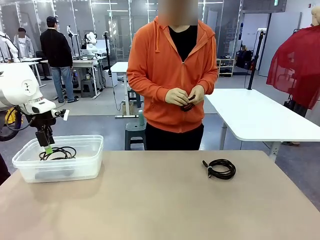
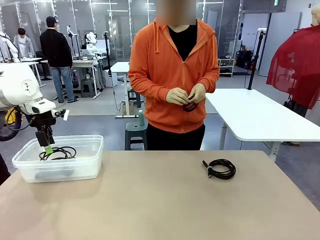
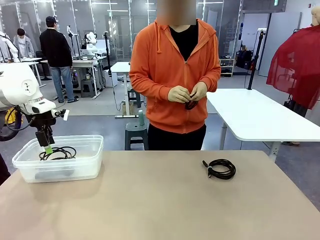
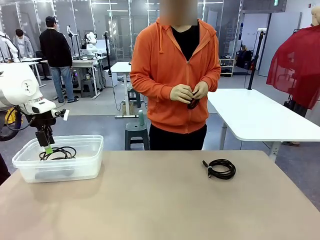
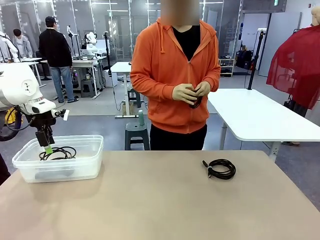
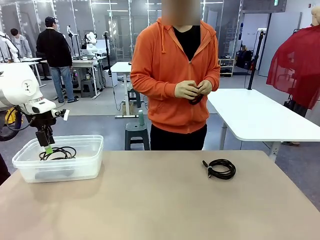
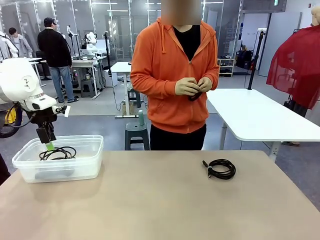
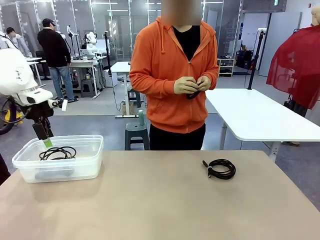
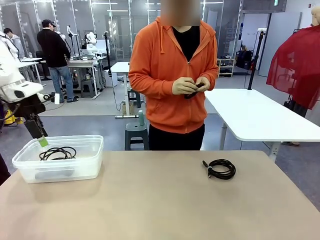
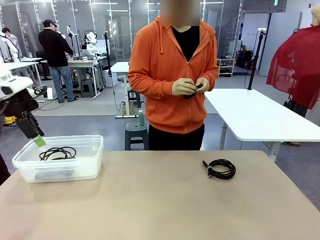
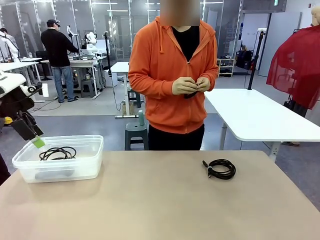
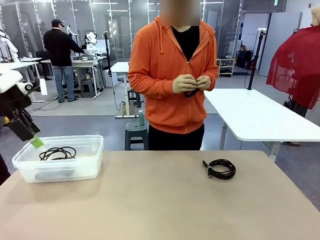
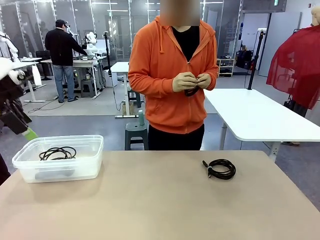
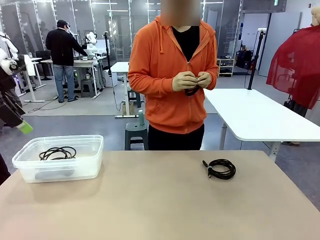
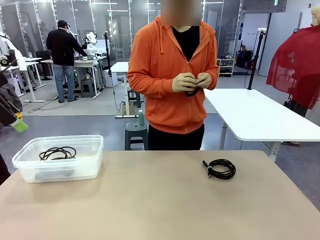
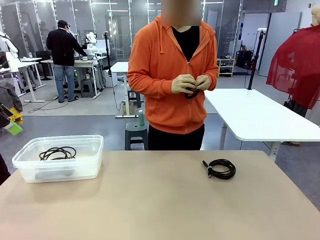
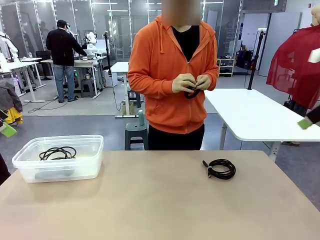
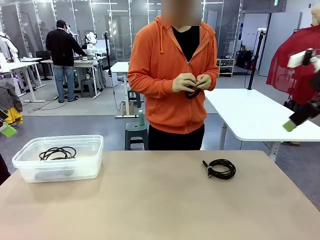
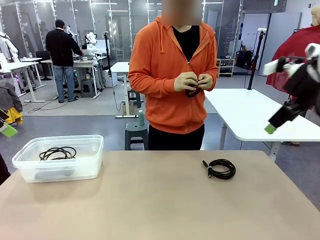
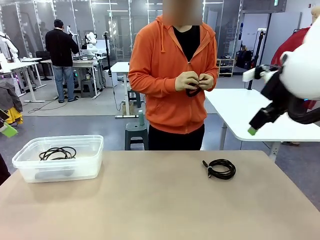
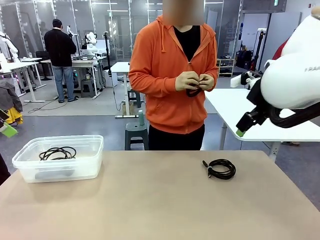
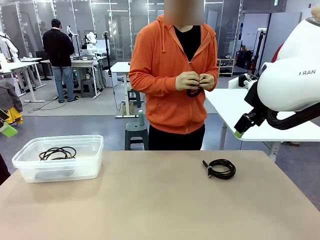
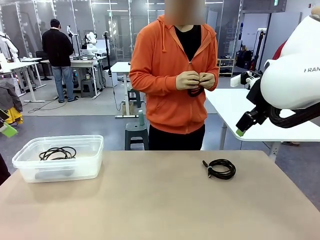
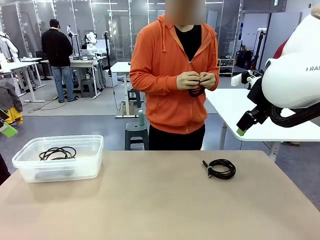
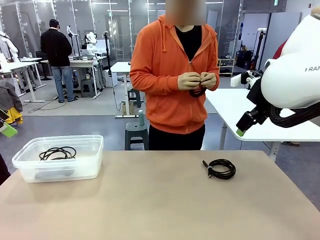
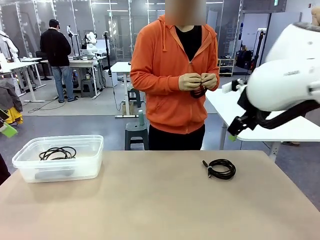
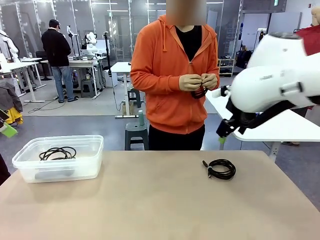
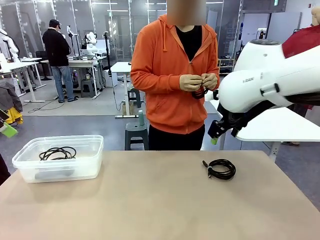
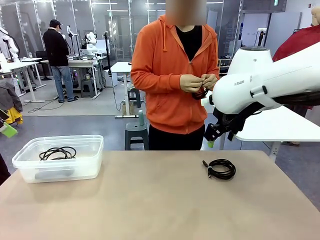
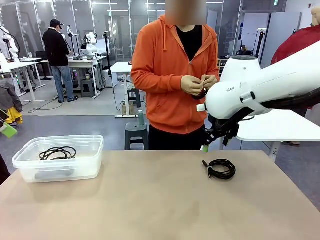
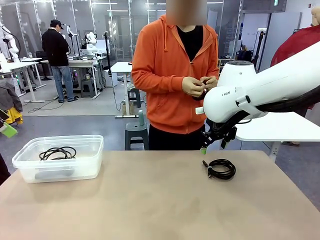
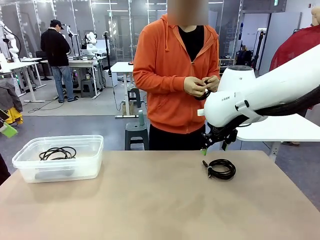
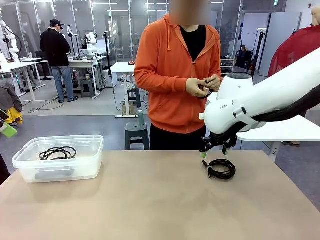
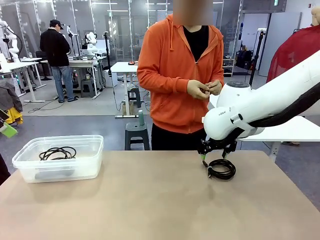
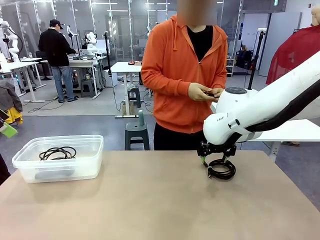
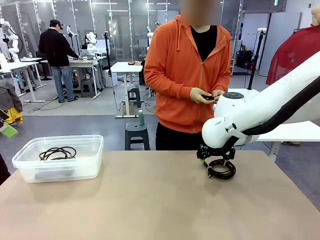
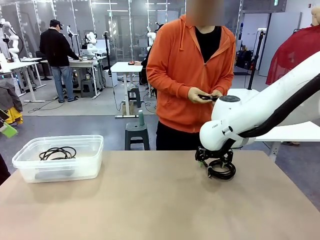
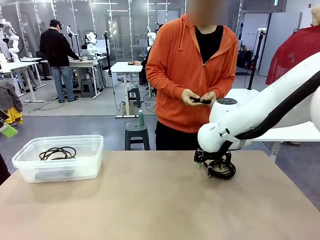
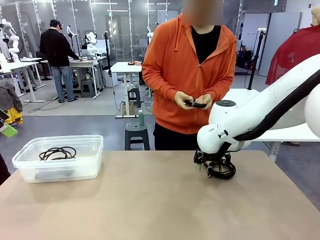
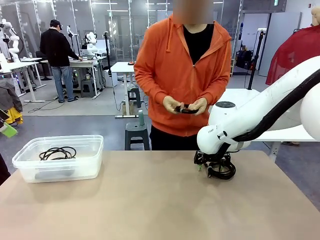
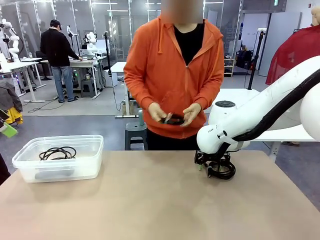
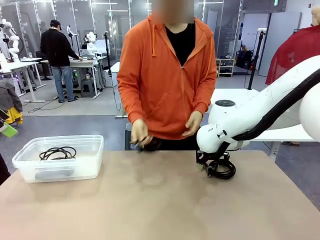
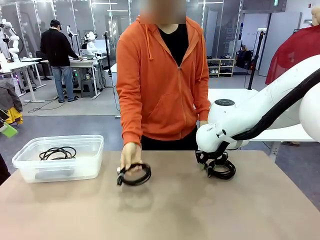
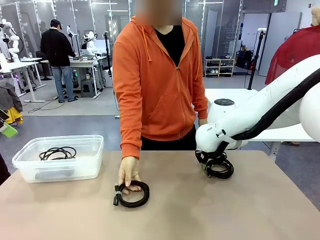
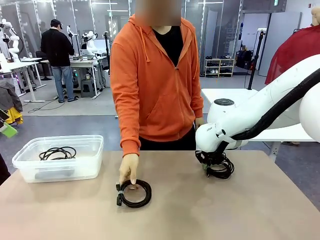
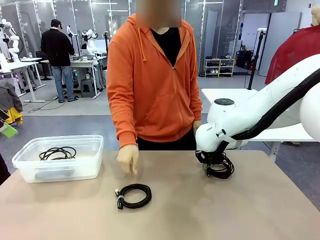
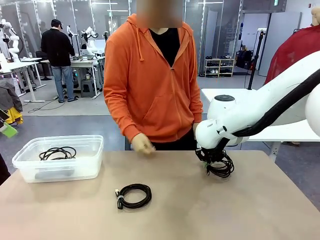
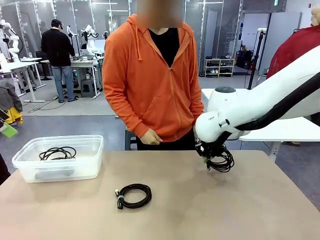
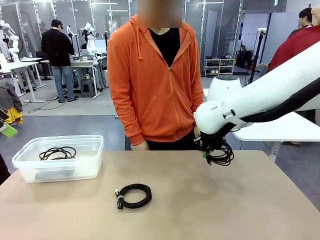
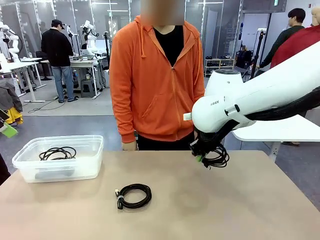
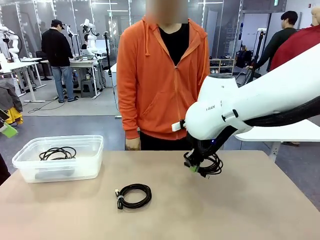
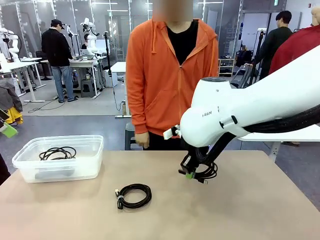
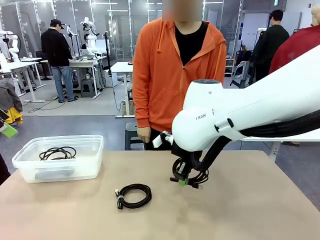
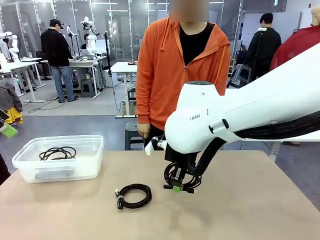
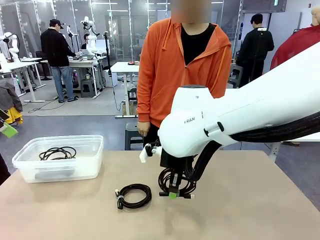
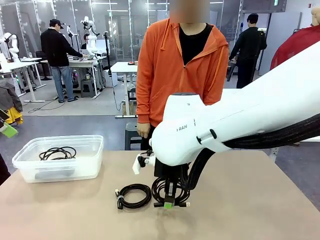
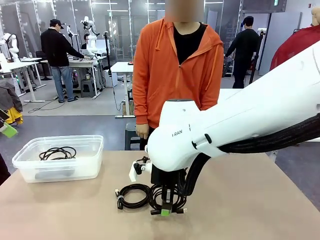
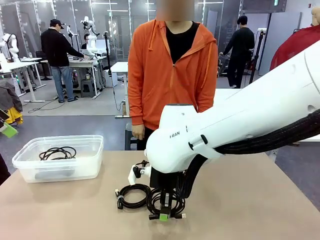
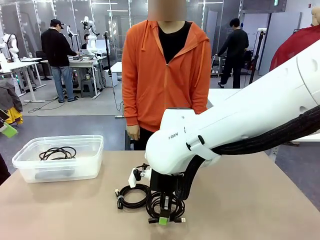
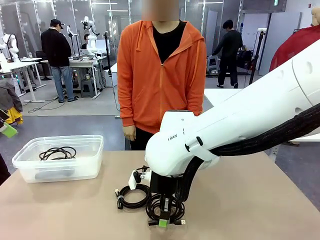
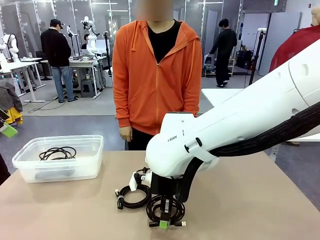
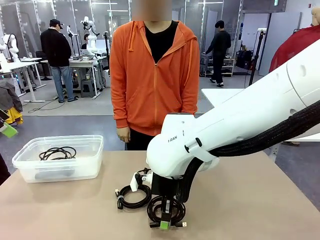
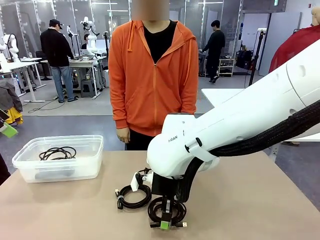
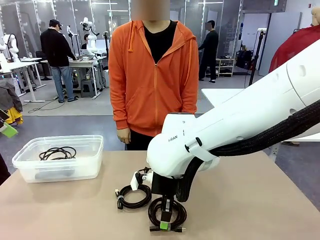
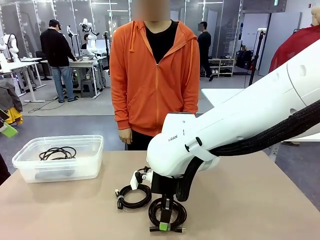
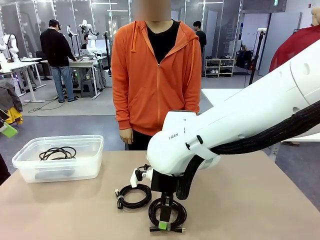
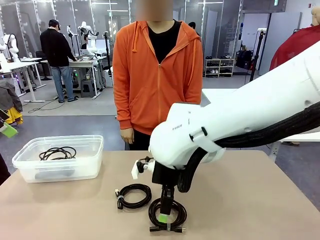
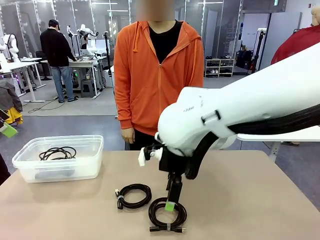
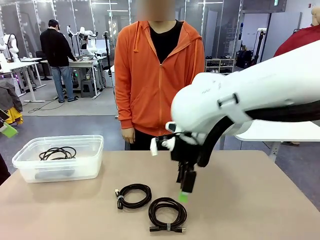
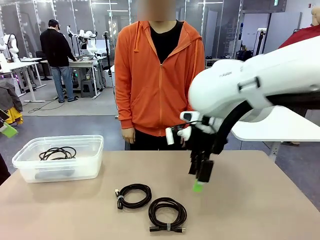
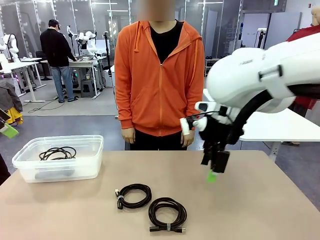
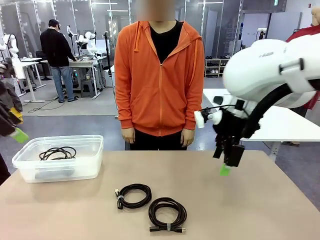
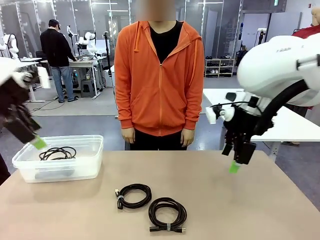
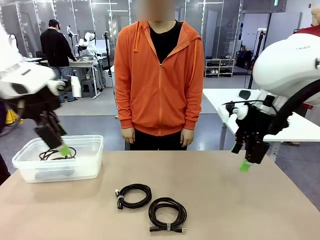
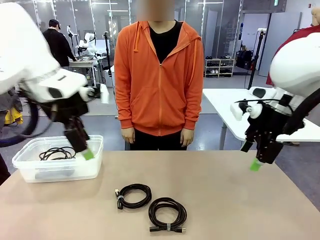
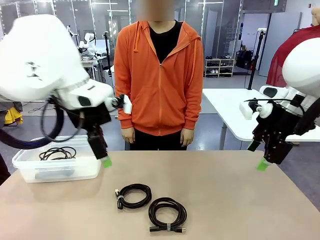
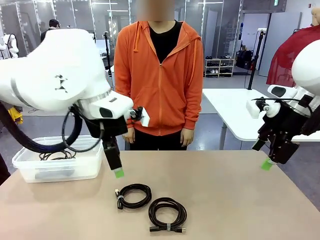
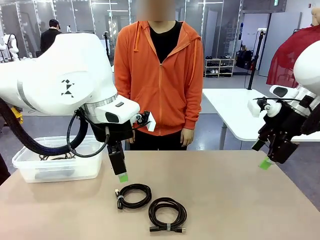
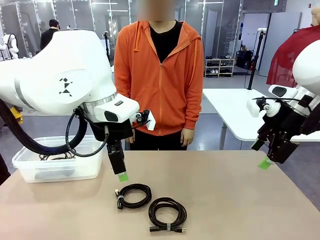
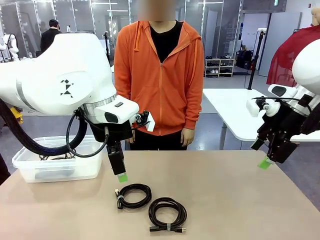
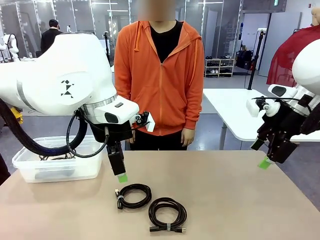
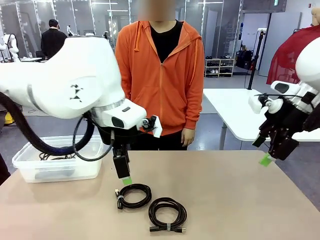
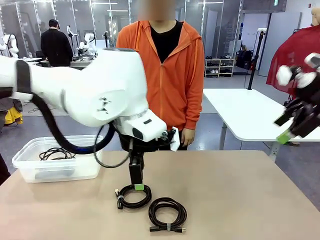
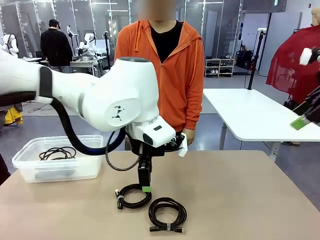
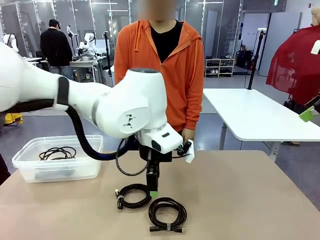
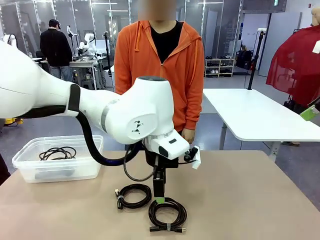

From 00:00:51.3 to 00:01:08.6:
Task: Organize and store the cables.
Robot: Place the USB Extension Cable into the Organizing box.
